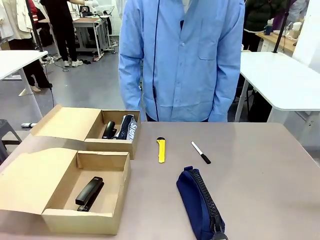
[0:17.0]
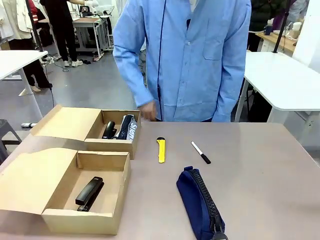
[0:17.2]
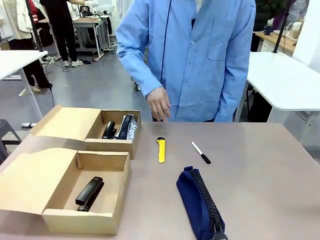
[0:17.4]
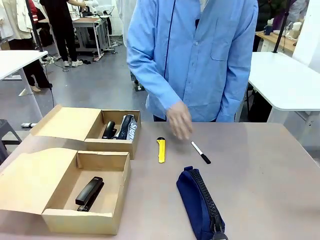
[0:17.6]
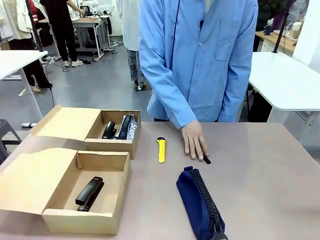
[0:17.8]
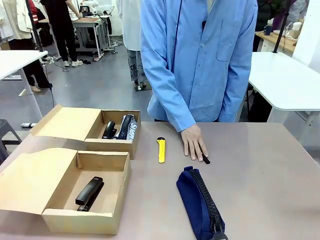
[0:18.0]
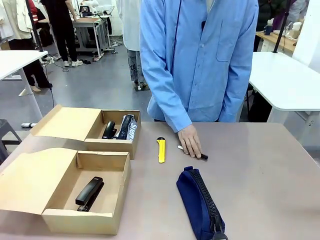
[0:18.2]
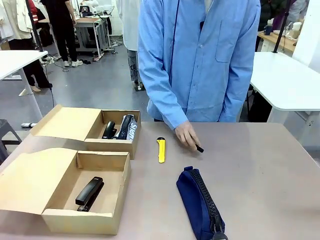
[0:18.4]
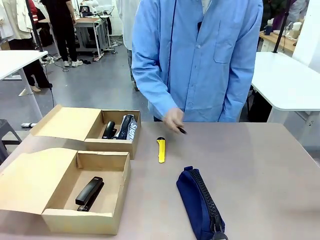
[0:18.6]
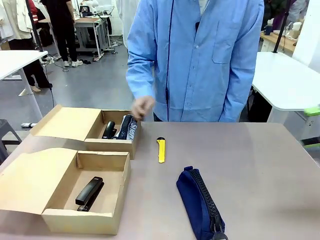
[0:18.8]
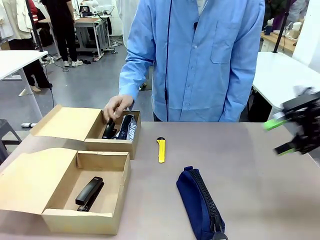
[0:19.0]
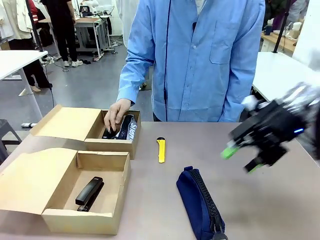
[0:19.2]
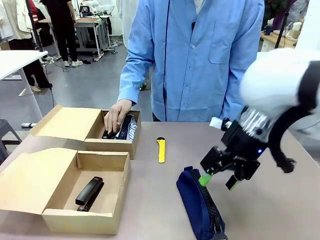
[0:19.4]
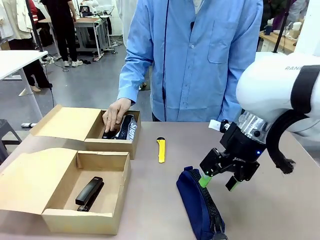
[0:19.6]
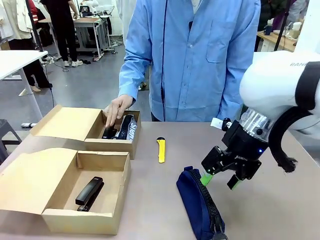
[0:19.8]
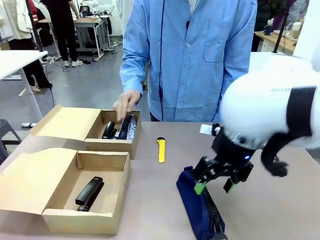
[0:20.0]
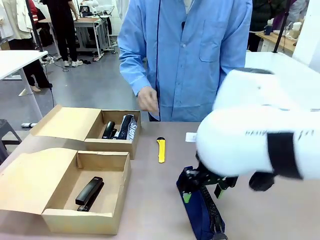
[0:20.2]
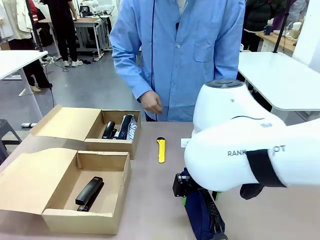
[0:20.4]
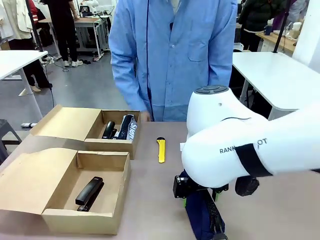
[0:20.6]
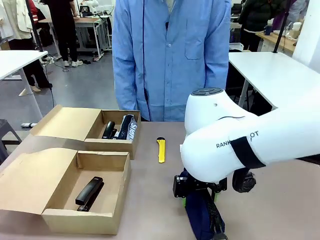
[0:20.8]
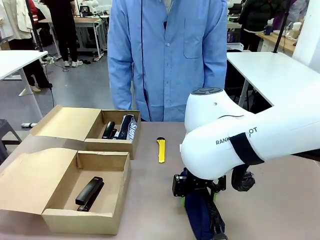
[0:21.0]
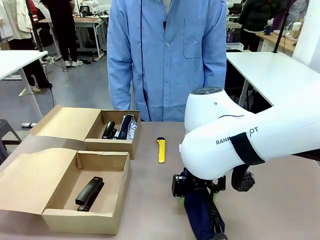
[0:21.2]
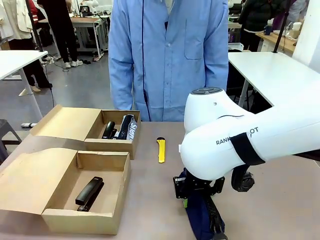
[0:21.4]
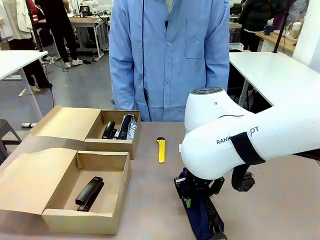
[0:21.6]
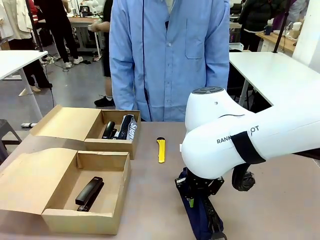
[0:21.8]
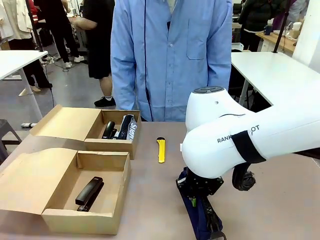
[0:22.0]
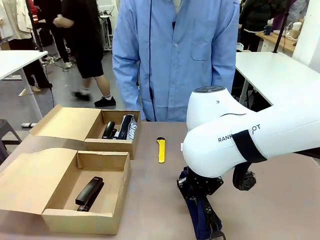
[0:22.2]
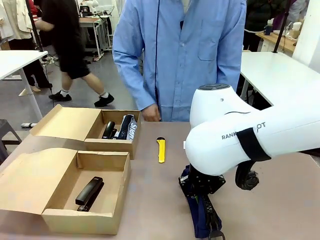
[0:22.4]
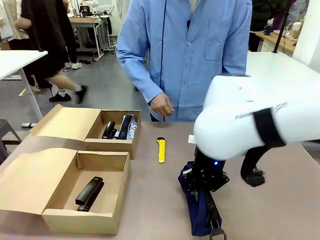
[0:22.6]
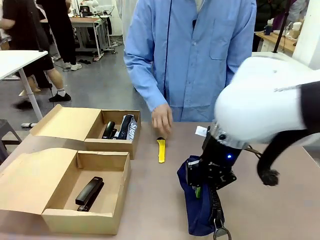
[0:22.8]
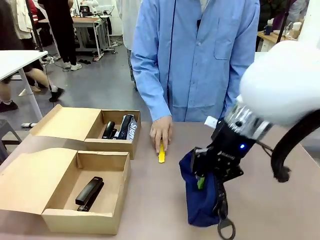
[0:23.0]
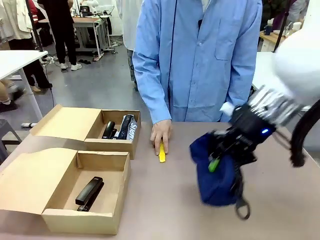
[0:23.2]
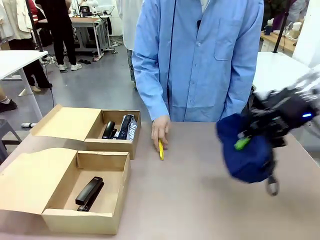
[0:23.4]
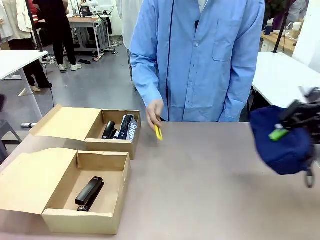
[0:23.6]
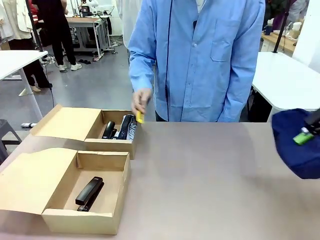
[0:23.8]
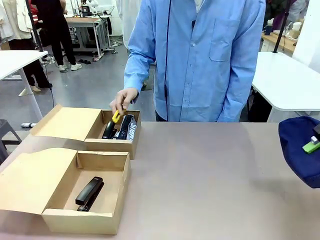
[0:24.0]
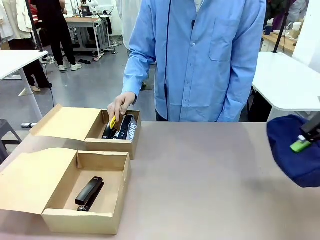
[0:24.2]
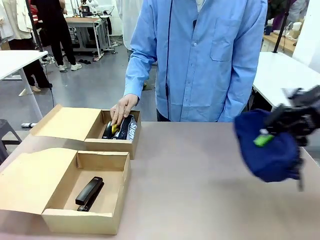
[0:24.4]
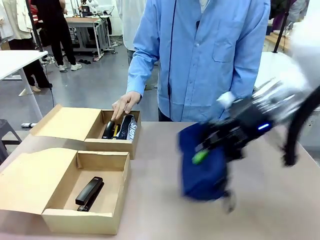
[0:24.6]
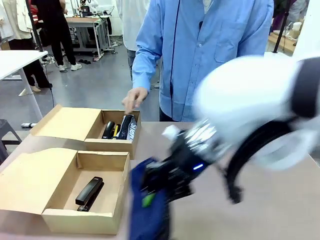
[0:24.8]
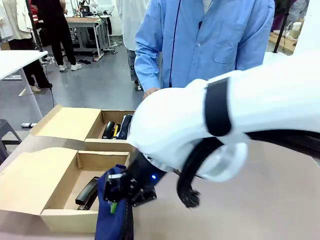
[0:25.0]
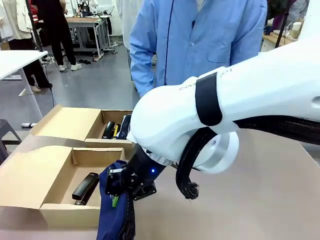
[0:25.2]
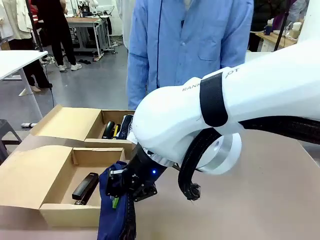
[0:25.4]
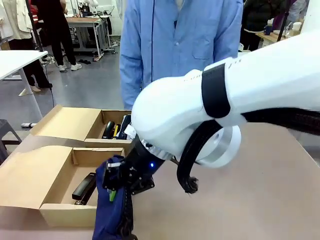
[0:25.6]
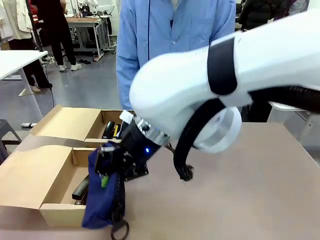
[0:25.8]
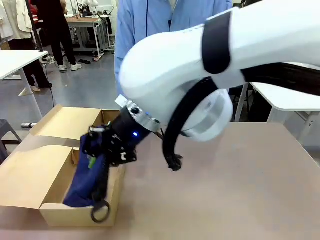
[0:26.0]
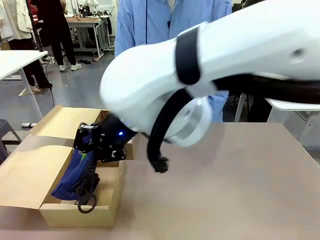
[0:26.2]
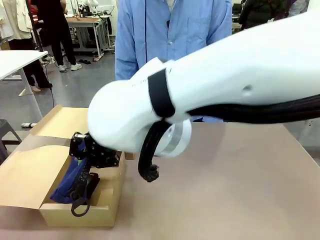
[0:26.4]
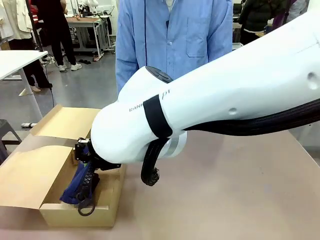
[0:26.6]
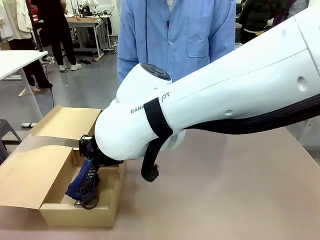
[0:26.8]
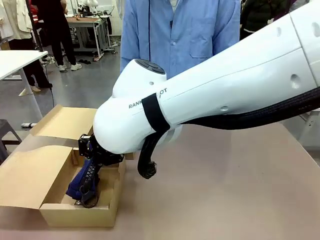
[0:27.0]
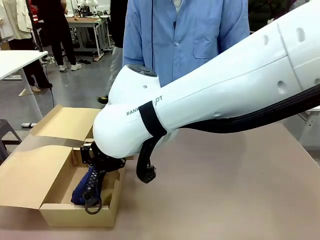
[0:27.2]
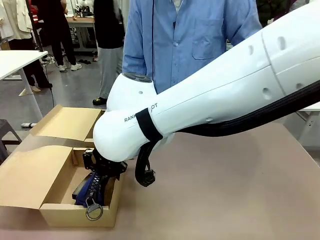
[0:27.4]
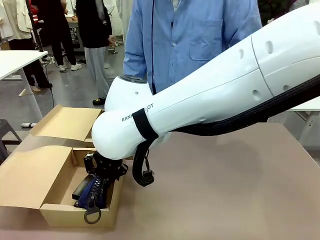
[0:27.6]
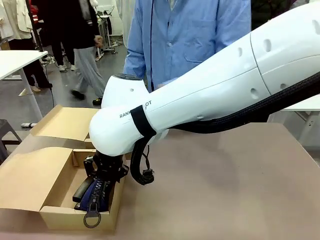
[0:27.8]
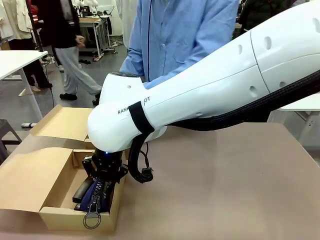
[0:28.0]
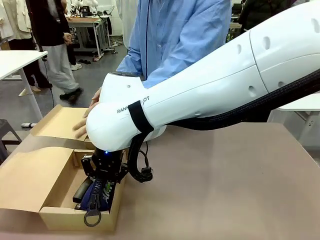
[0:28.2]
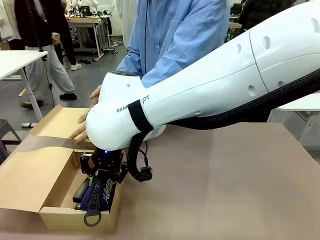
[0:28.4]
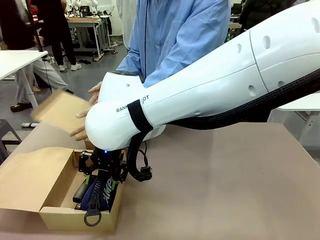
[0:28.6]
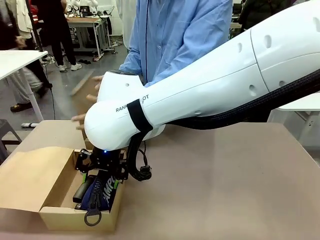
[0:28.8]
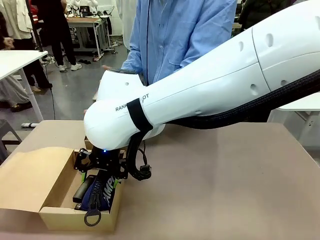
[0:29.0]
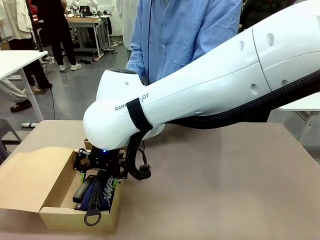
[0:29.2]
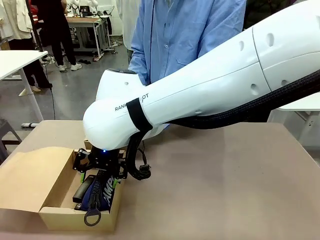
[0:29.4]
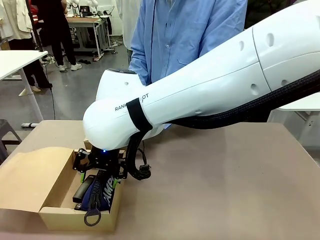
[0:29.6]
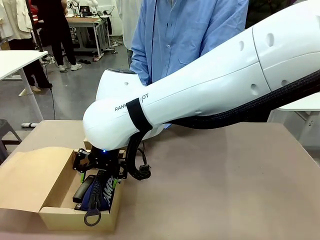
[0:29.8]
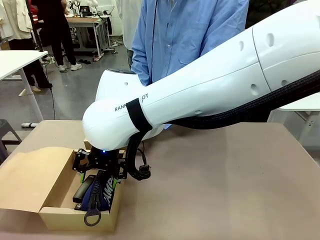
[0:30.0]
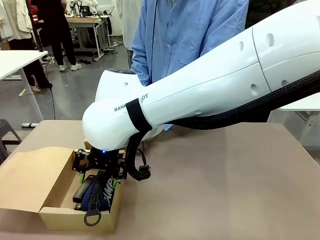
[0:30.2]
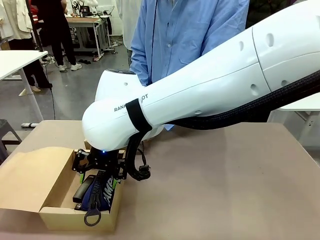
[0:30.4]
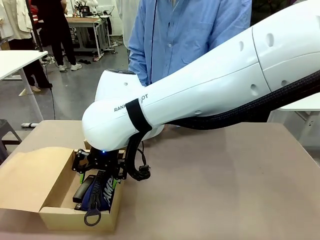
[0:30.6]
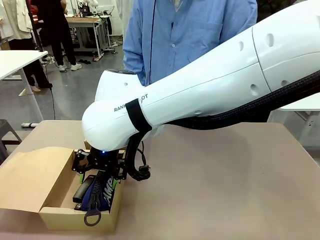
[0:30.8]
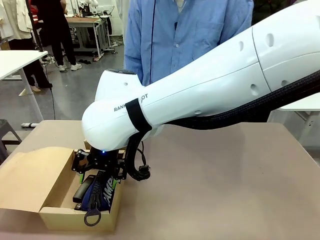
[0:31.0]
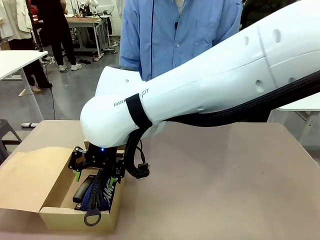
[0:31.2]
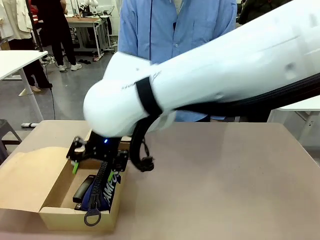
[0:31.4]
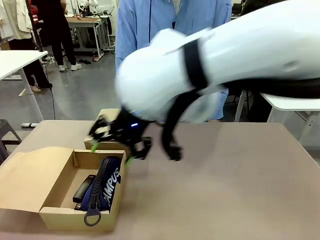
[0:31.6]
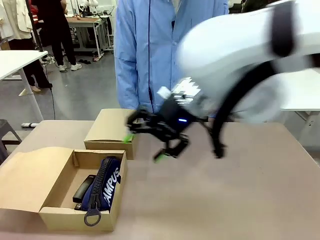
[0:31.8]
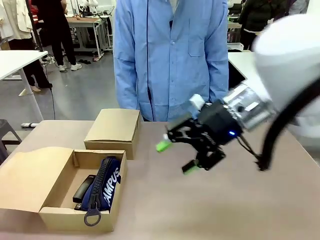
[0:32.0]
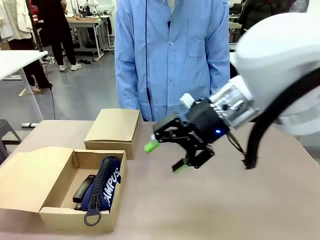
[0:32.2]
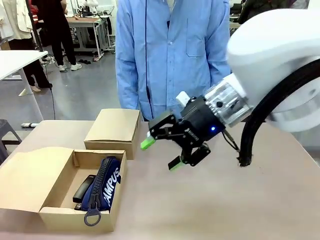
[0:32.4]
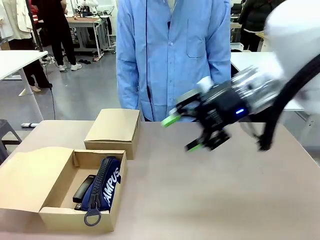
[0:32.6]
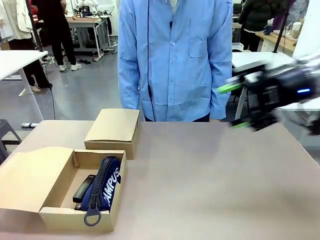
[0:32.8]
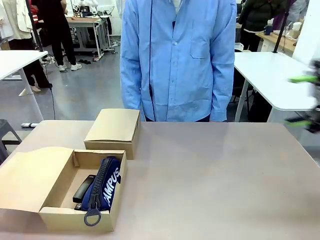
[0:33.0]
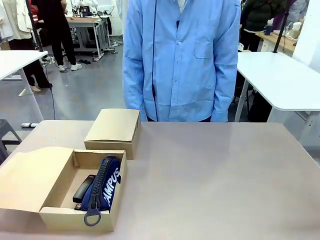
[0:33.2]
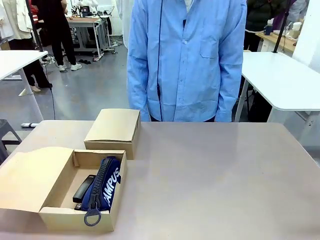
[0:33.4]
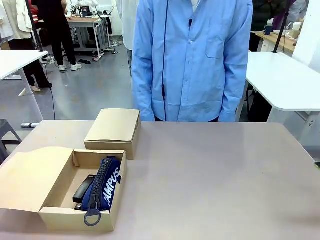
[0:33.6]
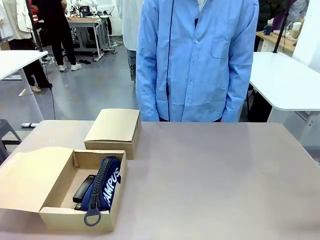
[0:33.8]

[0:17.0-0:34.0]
Task: Place items inside the box.
Robot: Pick up a Pencil pouch or Stapler and place it inside the Mailer Box closest to the robot.
